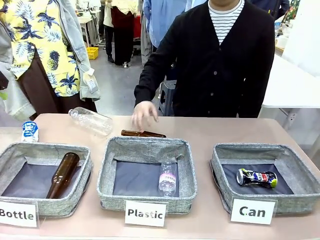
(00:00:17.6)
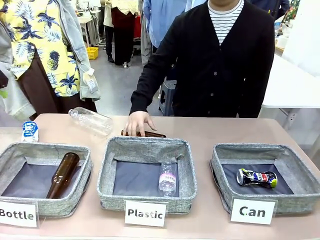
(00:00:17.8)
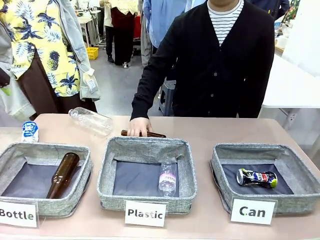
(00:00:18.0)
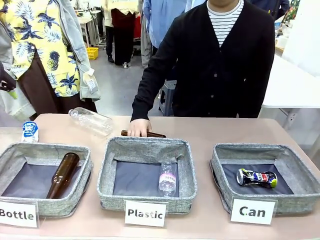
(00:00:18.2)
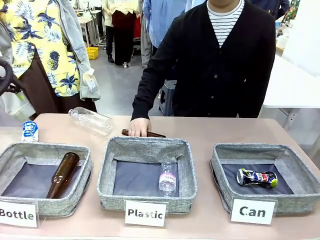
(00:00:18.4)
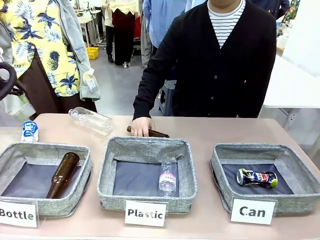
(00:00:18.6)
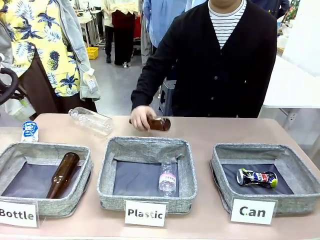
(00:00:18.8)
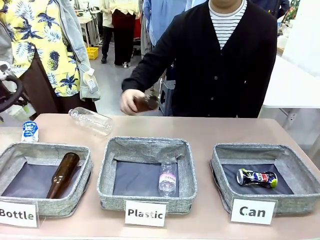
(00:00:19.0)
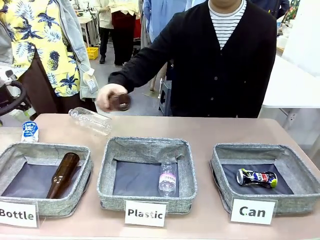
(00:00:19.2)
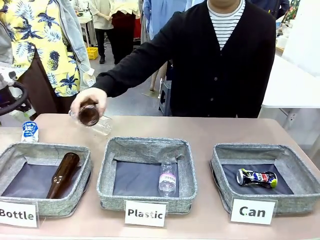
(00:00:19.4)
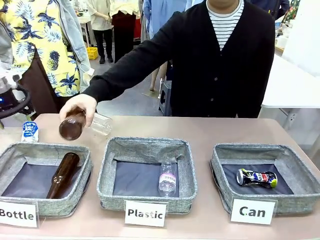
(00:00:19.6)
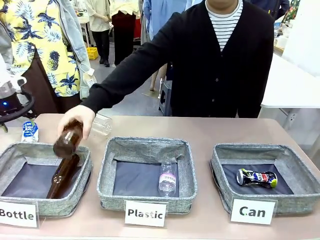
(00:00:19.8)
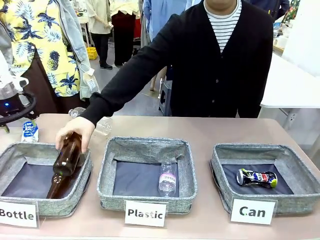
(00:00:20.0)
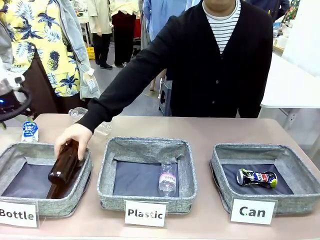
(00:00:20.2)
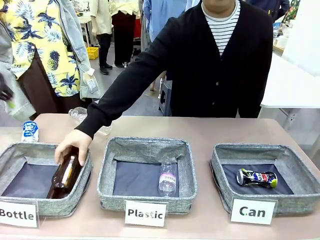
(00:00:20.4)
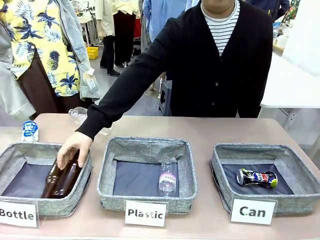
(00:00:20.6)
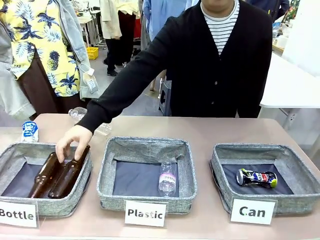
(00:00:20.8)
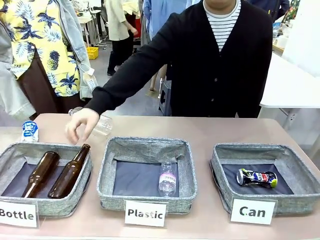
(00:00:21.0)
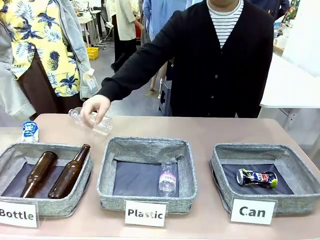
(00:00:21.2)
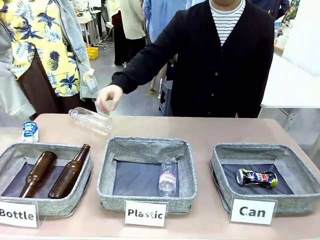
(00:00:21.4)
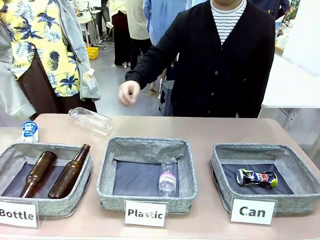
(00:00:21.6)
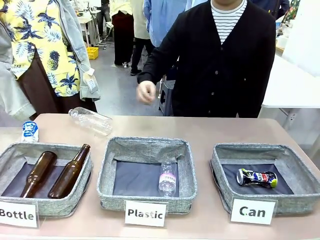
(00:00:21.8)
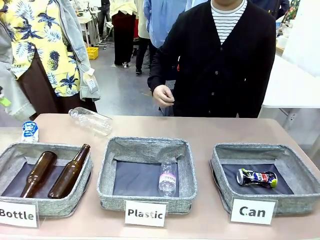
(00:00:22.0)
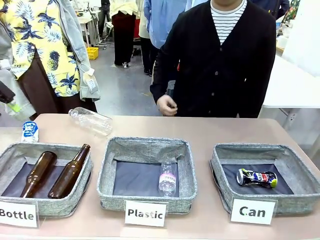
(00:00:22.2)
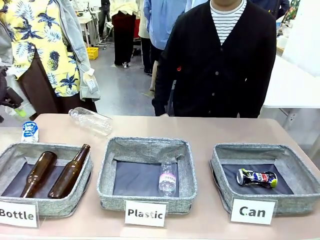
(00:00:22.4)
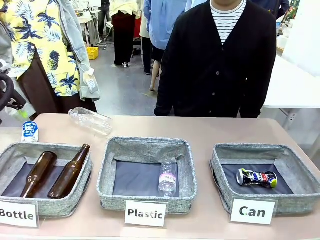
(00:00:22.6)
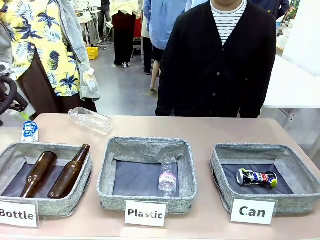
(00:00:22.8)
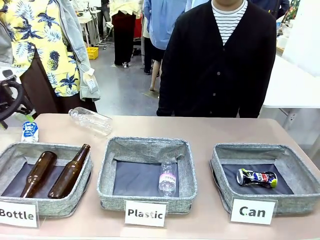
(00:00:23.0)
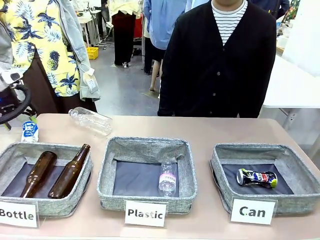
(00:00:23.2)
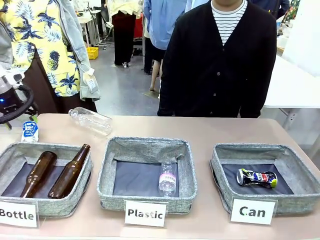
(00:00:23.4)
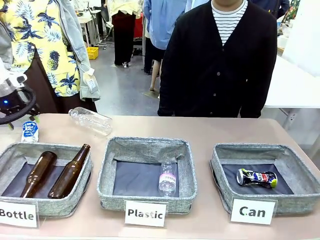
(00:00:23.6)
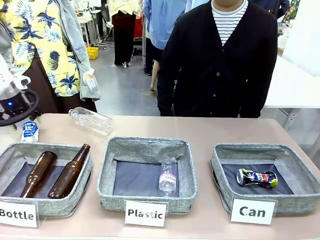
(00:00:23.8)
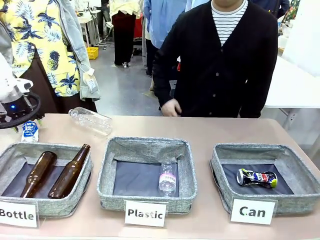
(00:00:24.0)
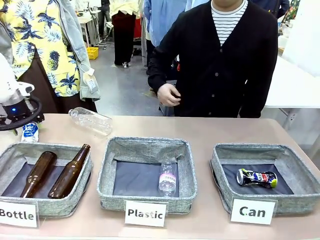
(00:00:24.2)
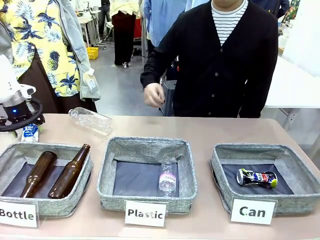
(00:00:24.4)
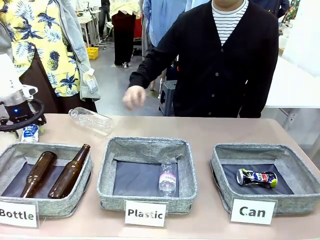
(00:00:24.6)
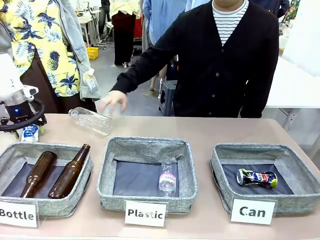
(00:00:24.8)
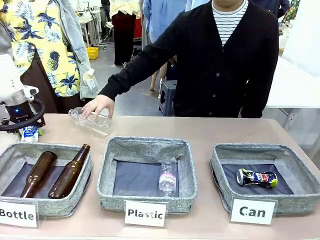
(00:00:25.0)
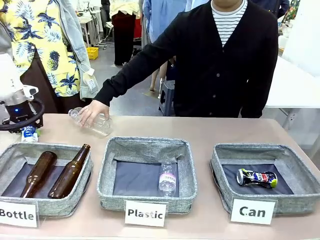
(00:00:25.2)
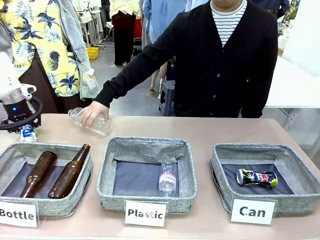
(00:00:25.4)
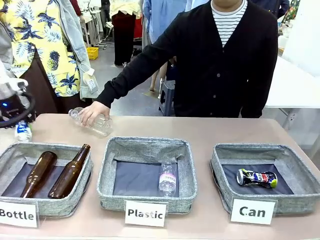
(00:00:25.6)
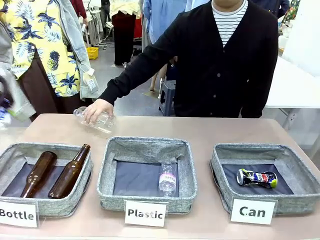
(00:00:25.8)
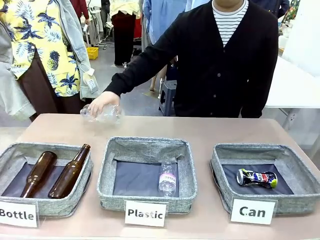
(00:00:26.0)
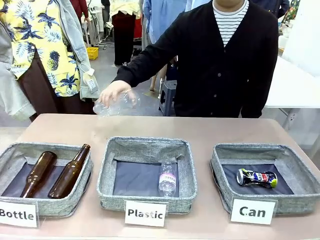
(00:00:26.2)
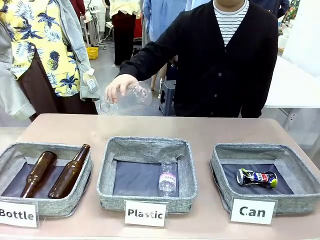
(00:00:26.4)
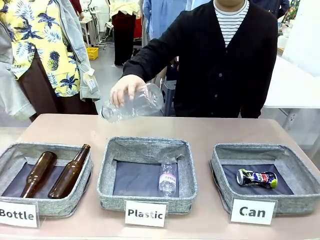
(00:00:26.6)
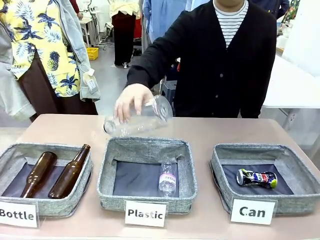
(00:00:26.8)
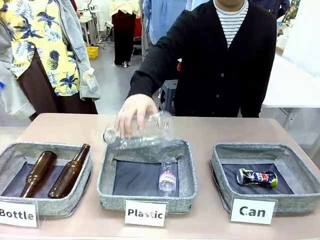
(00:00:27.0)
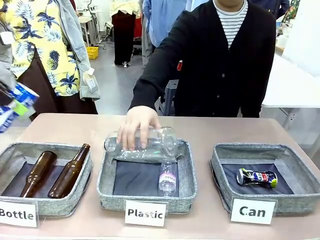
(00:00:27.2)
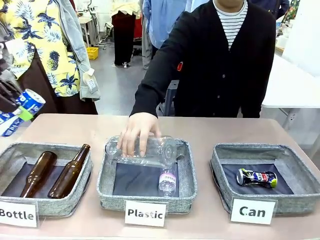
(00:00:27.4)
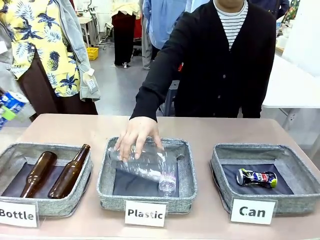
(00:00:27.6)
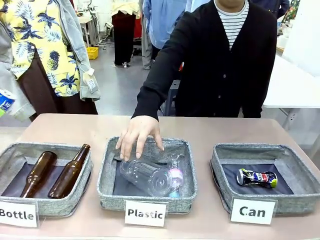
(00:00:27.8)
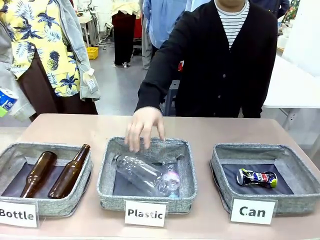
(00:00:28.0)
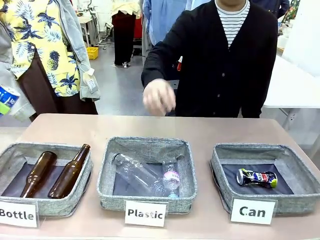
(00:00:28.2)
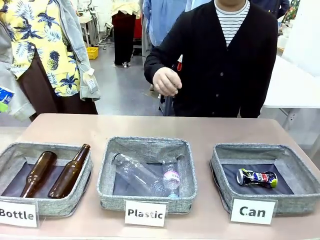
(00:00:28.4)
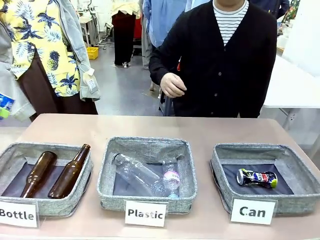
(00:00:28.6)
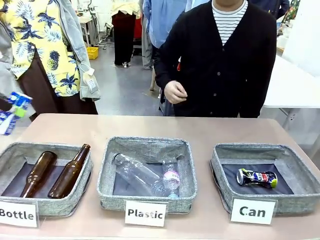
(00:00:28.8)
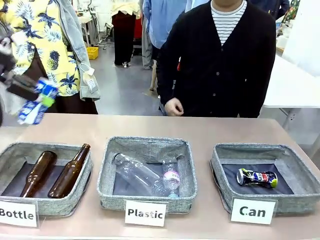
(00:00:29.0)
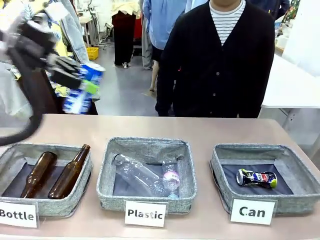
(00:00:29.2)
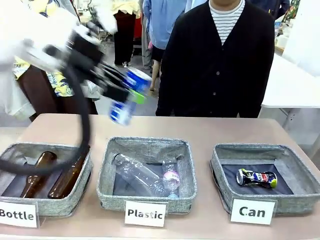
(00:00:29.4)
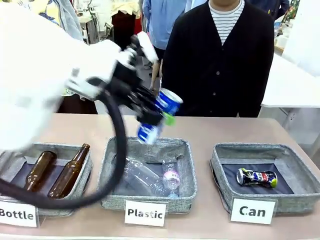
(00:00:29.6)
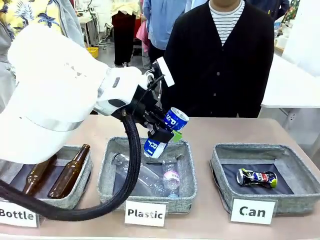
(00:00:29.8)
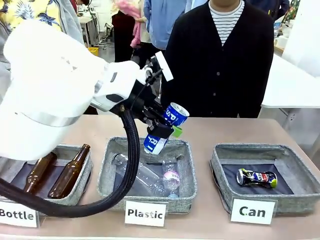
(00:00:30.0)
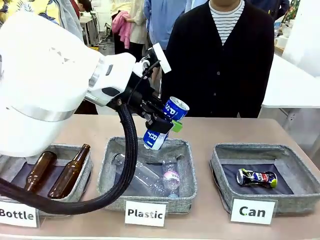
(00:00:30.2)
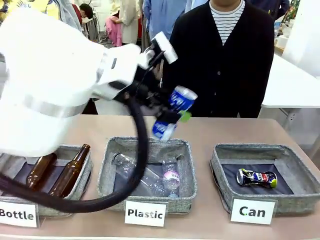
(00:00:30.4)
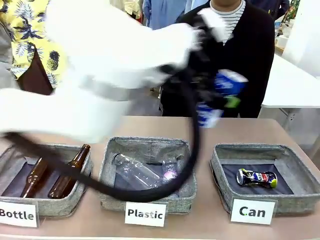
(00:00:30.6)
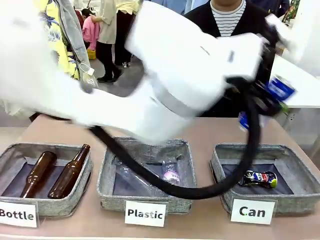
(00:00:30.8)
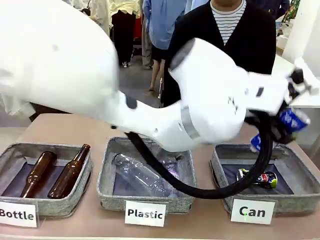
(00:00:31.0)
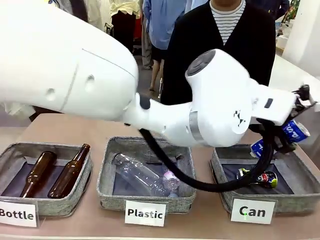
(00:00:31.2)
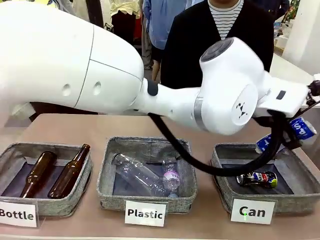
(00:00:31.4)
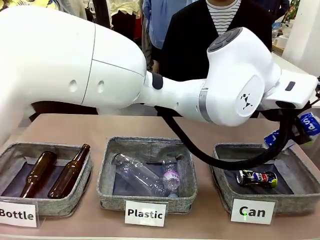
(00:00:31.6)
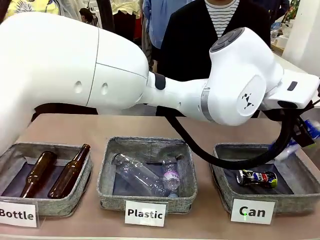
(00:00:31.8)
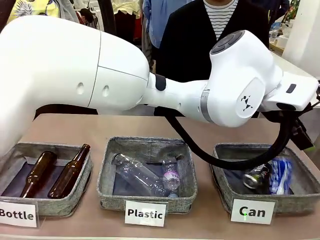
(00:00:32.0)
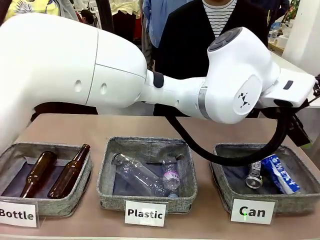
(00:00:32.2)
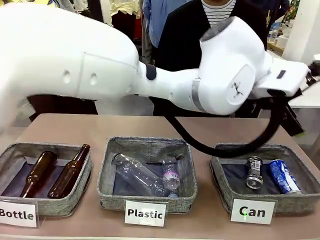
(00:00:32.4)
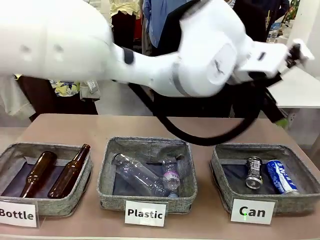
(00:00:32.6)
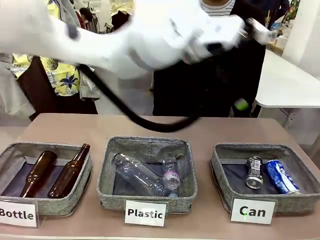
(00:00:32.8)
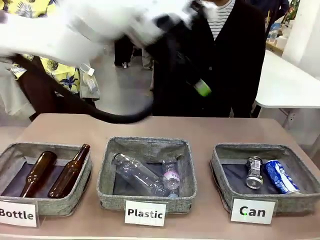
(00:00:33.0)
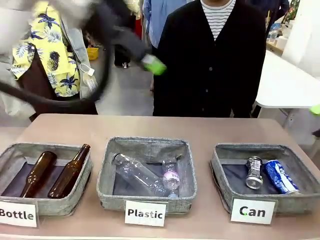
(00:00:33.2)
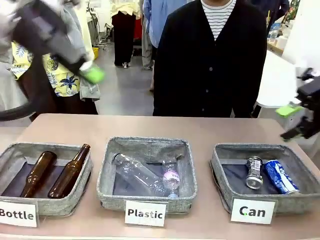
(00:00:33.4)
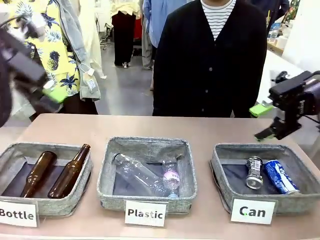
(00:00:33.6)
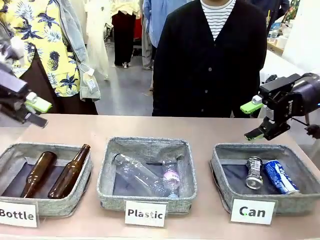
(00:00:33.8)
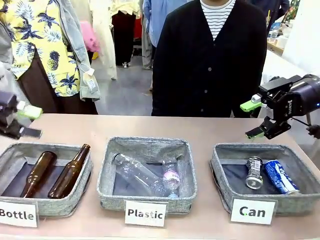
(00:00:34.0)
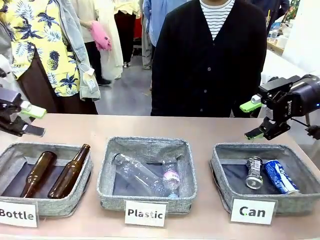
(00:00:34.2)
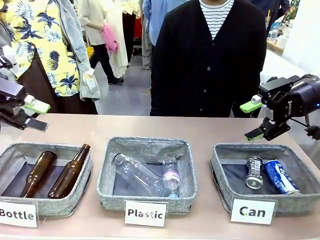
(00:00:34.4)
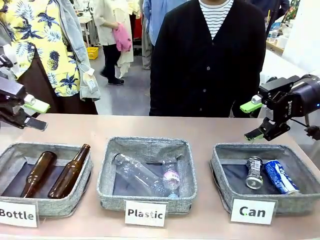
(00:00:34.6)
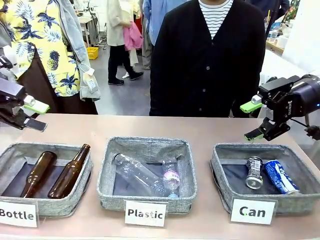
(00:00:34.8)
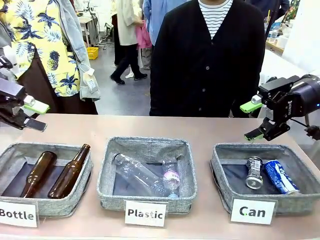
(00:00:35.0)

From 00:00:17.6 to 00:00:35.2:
Task: Sort the can waste into the basket.
Robot: Pick up the can waste from the table and place it in the right Fabric basket.
